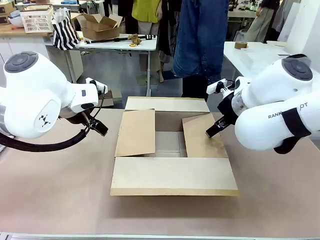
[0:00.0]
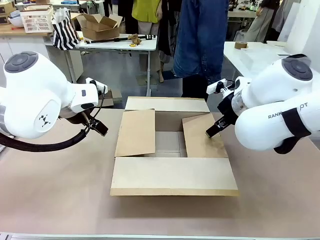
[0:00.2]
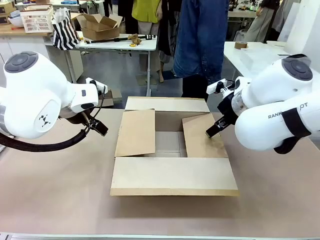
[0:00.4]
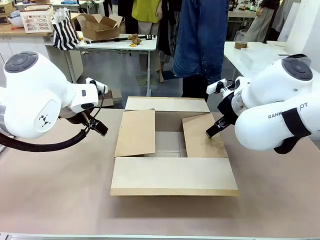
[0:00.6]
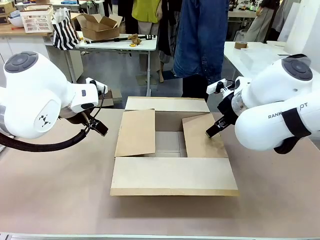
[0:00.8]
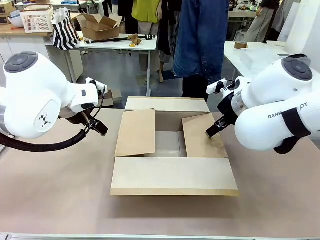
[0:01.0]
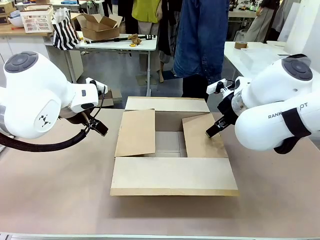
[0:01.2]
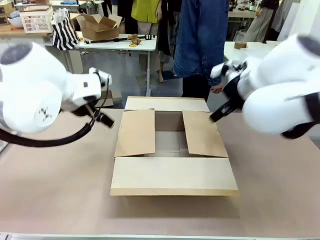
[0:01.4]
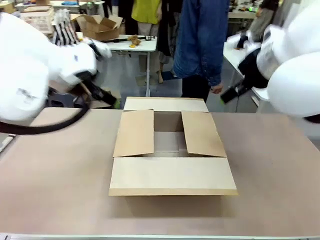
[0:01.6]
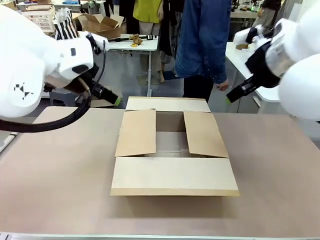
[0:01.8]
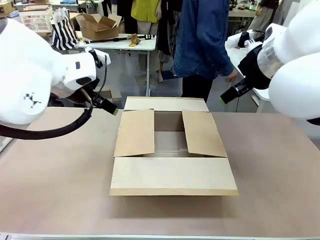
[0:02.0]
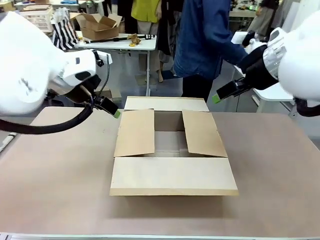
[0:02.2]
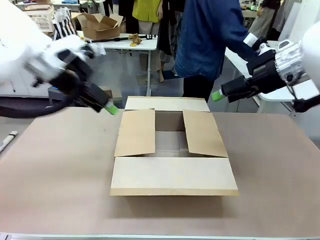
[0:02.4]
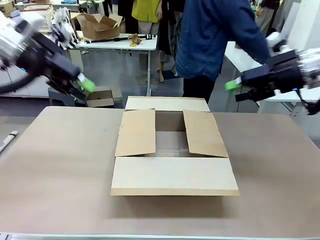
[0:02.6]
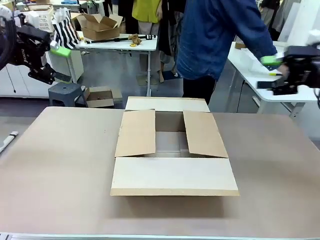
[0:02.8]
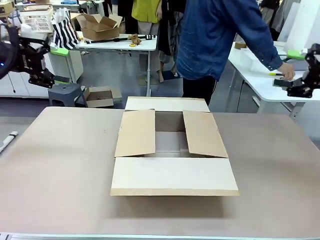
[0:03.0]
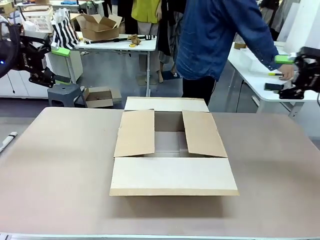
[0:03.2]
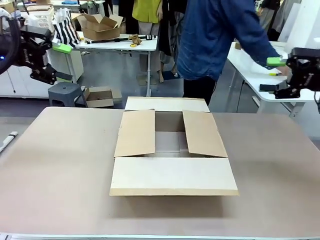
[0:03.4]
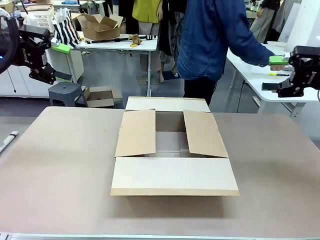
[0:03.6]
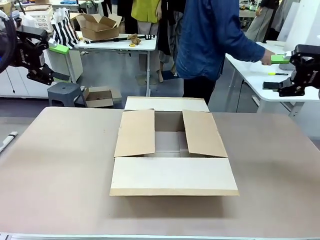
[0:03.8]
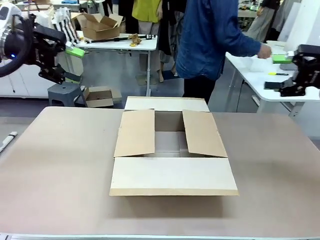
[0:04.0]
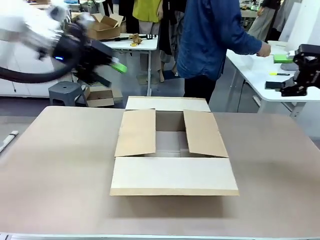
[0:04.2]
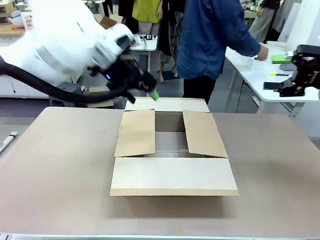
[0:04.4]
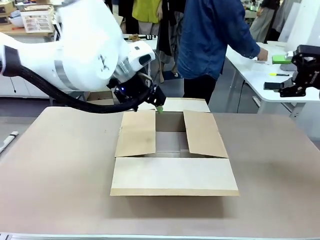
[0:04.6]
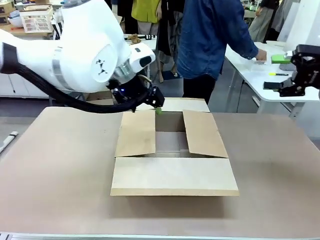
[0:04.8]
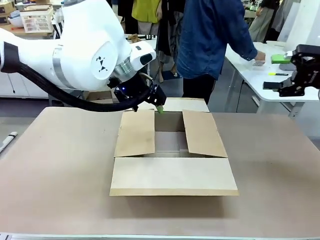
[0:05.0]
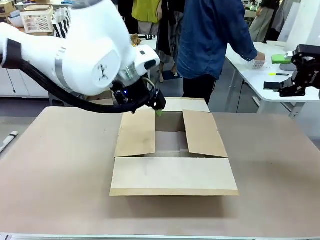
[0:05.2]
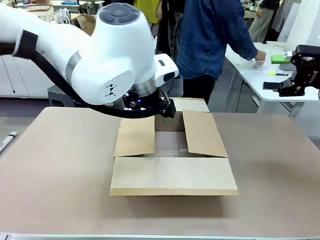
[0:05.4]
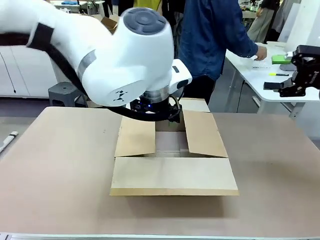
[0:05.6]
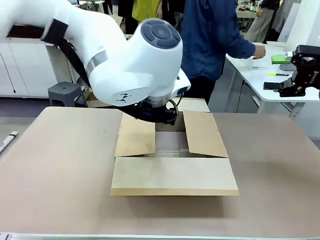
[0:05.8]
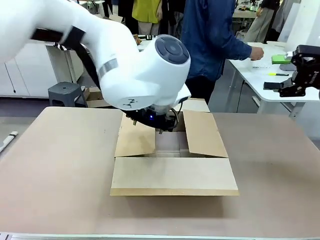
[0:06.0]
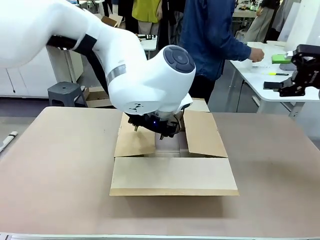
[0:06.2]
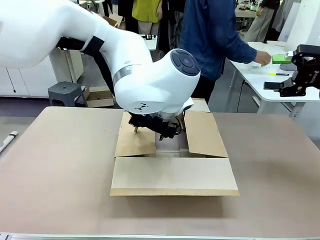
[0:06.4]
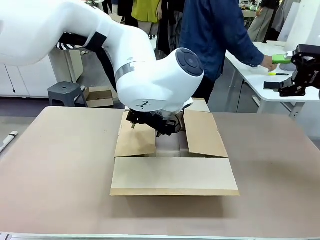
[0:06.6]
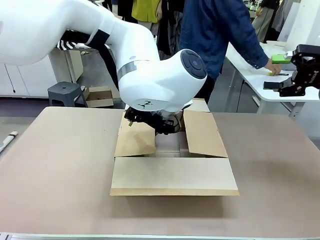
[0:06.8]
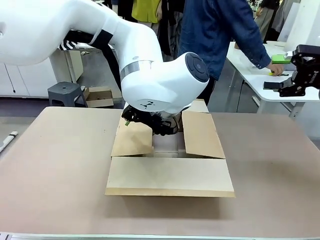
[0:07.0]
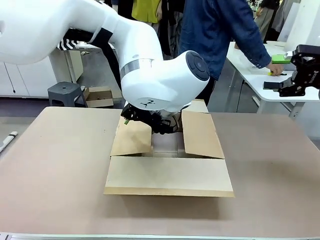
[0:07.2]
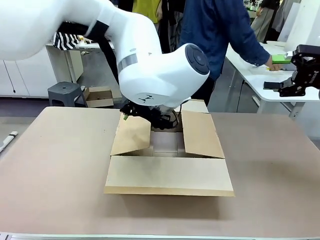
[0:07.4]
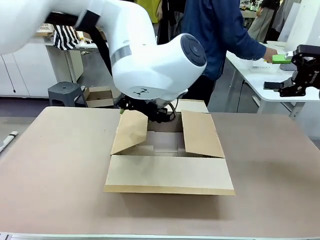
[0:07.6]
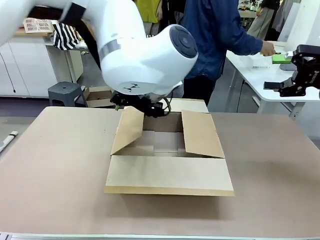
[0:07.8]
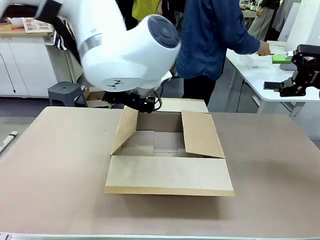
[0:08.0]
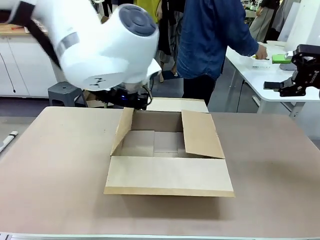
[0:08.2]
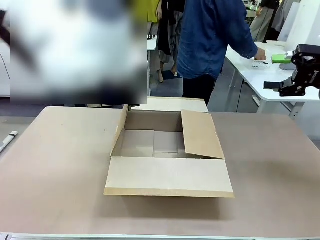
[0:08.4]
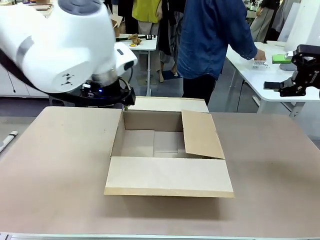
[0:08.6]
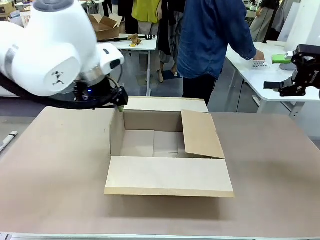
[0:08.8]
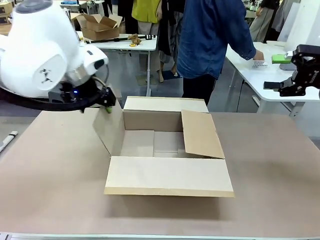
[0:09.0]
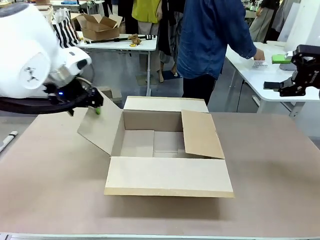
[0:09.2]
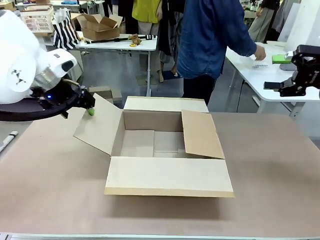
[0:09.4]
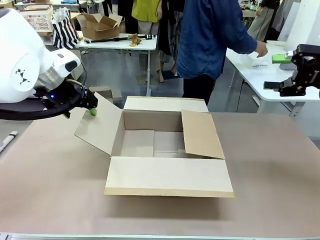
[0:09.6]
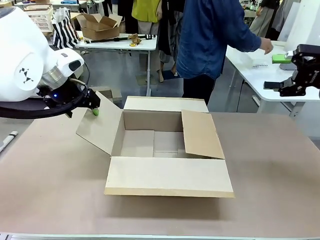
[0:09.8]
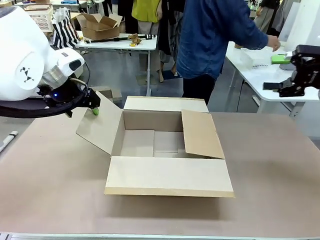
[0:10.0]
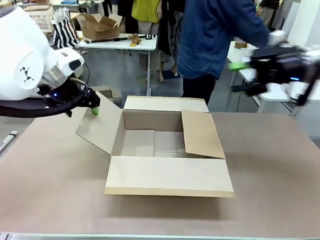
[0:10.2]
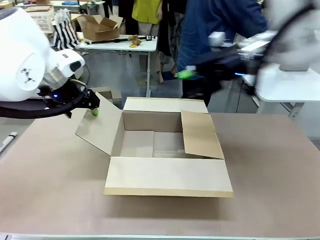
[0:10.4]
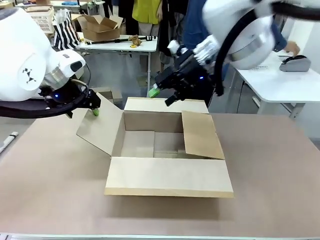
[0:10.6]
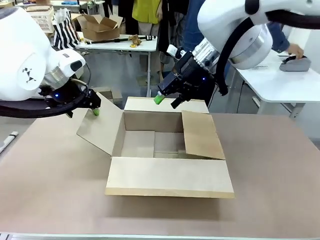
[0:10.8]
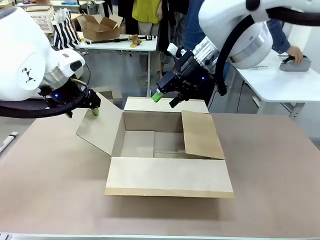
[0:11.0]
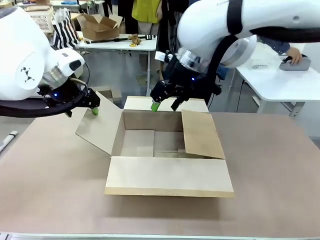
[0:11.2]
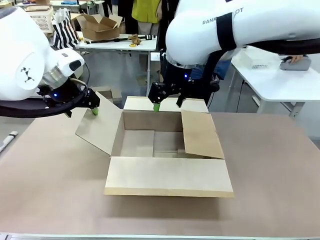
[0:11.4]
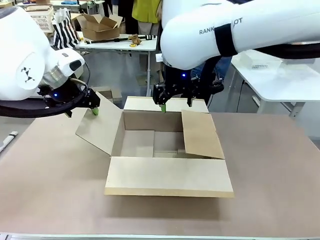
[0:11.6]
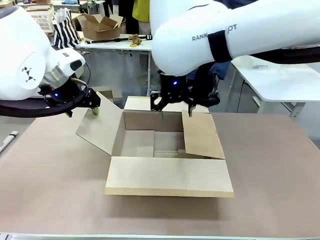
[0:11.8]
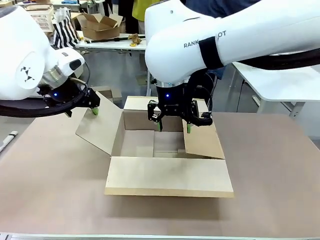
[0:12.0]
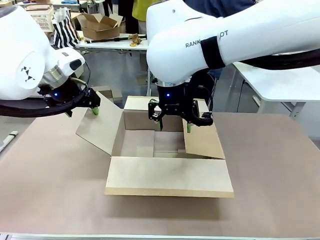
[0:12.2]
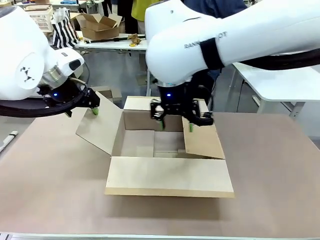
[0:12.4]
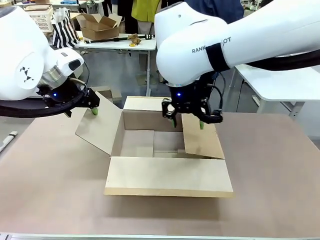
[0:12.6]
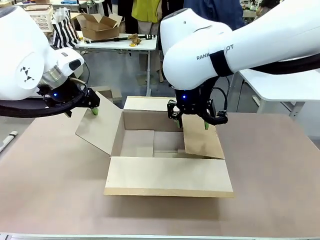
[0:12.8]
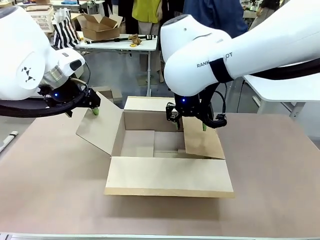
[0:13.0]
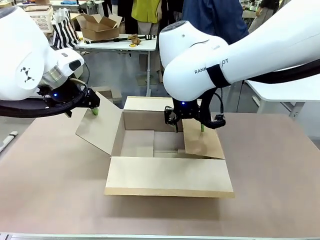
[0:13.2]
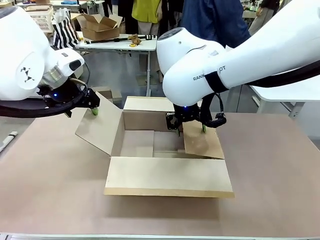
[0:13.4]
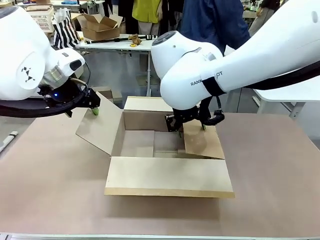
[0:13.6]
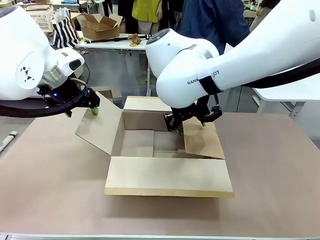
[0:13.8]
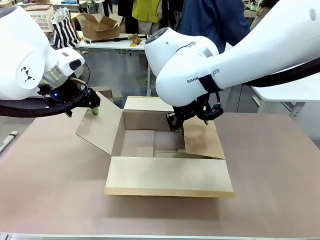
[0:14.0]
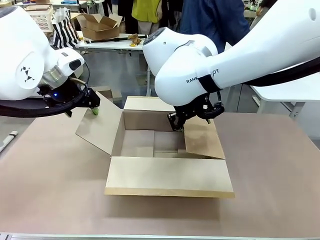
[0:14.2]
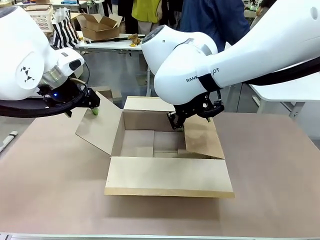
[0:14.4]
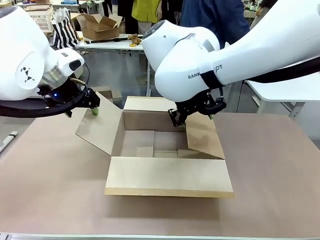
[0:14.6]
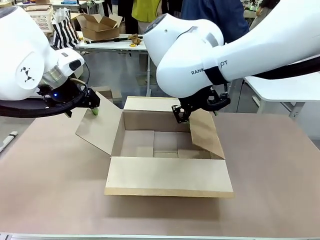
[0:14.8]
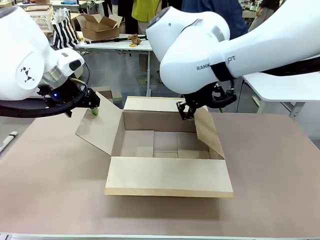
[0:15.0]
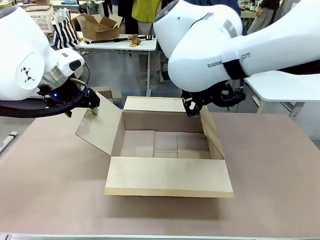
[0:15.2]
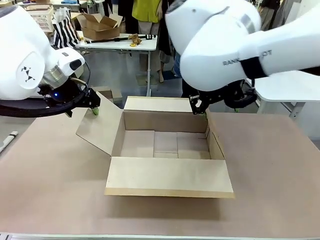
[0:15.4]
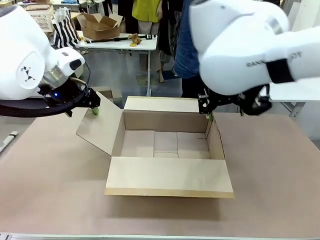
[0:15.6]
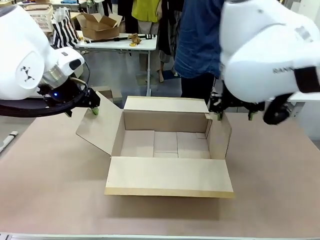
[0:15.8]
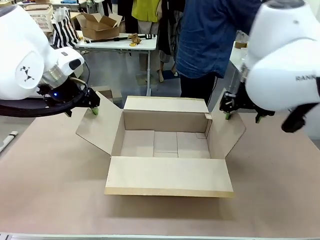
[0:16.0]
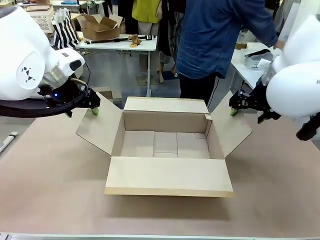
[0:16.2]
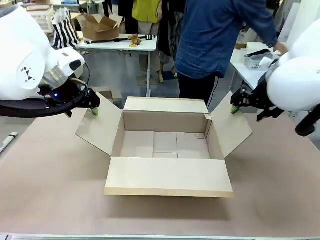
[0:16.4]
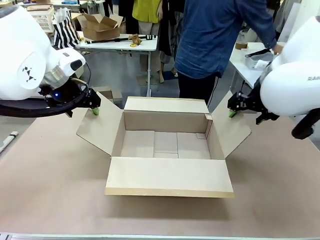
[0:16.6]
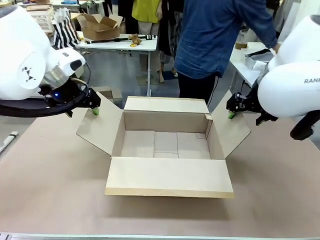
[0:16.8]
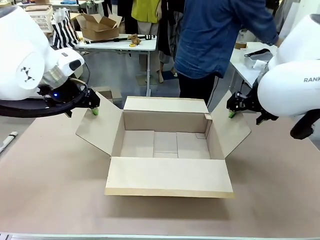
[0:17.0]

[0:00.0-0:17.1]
Task: Pack the gift set into the box.
Robot: Place both hands on the side flaps of the Package Box and spread them outward.
Person: The human places all items except the paper tape into the organizing basket.
